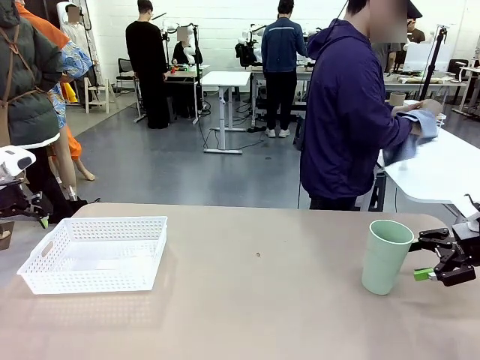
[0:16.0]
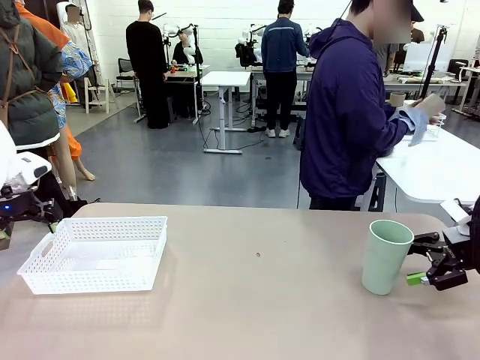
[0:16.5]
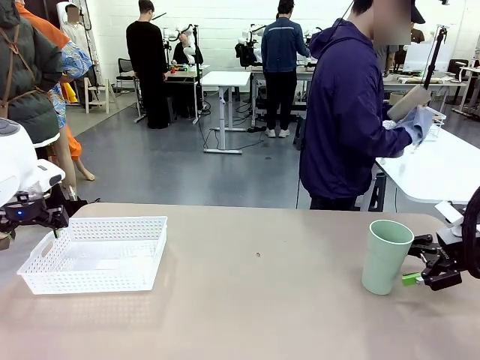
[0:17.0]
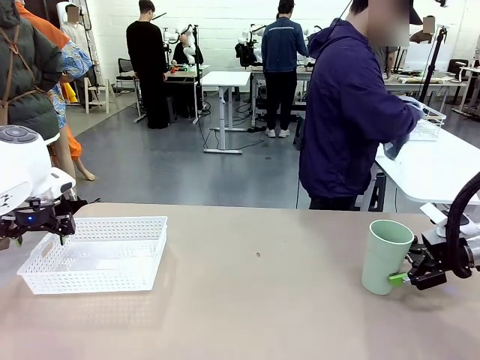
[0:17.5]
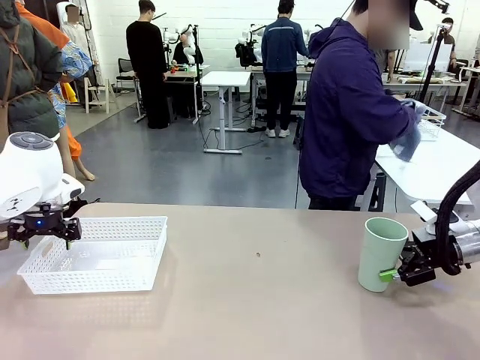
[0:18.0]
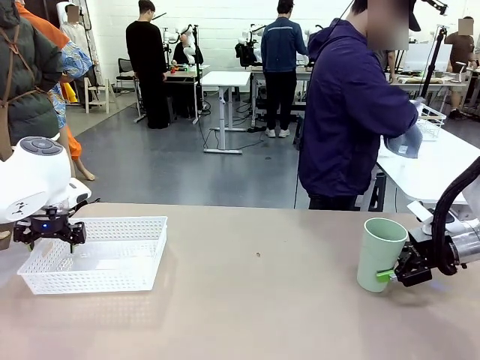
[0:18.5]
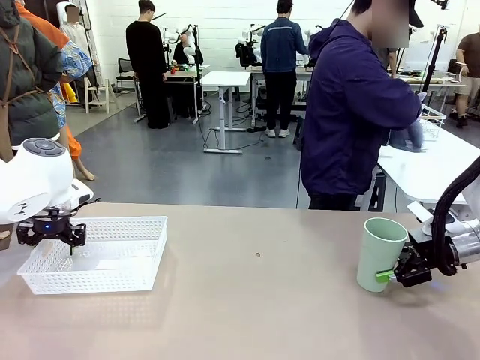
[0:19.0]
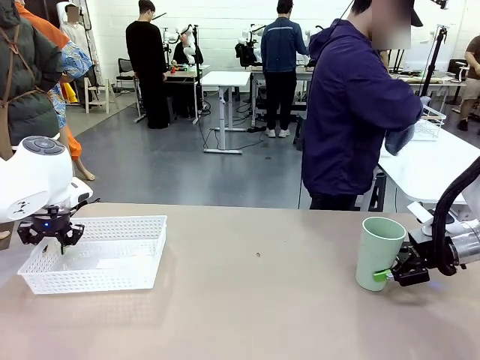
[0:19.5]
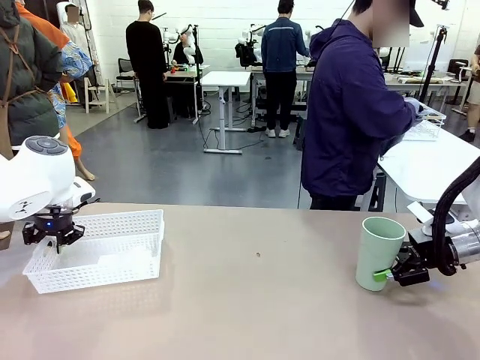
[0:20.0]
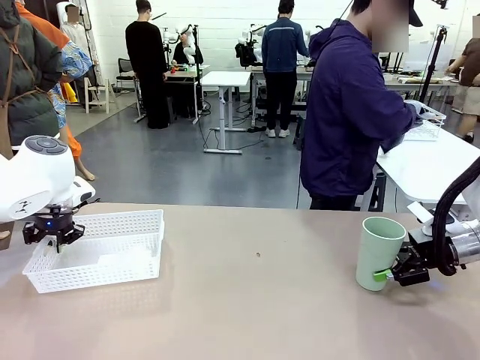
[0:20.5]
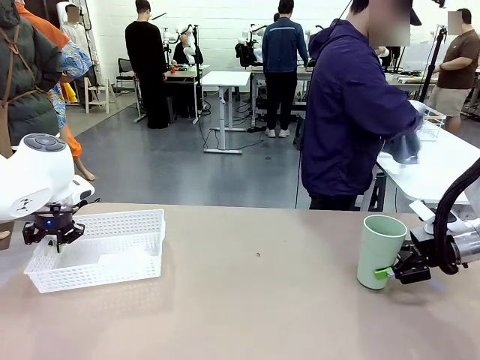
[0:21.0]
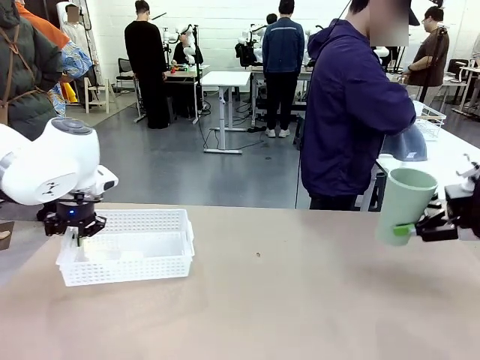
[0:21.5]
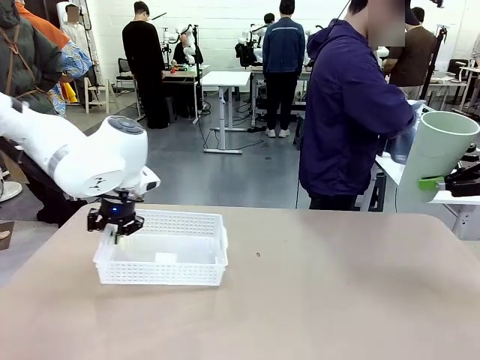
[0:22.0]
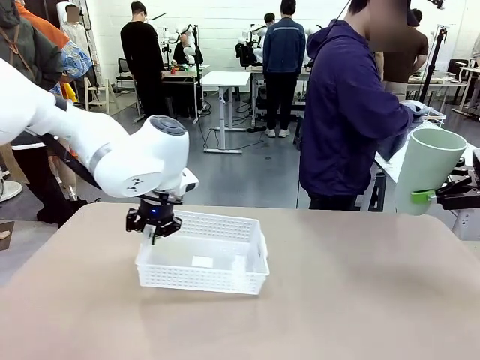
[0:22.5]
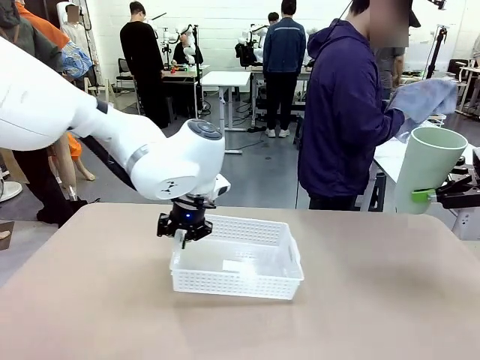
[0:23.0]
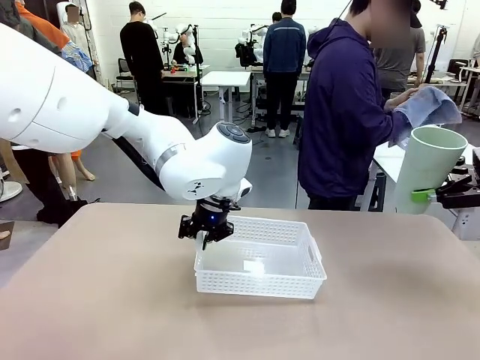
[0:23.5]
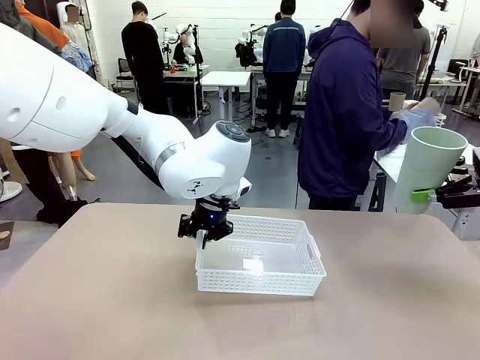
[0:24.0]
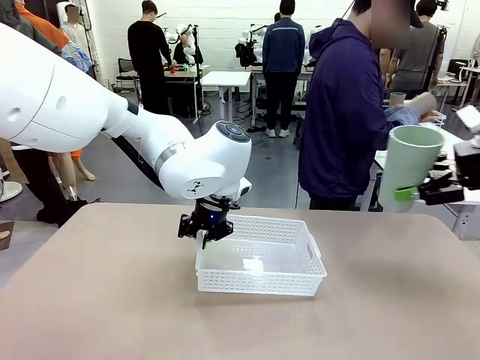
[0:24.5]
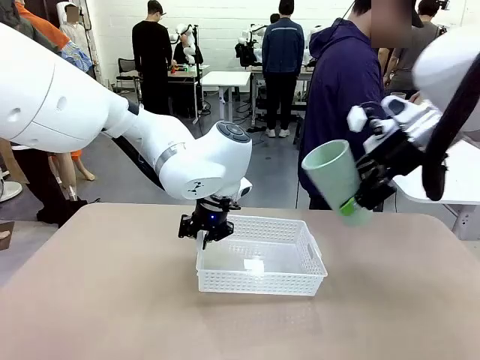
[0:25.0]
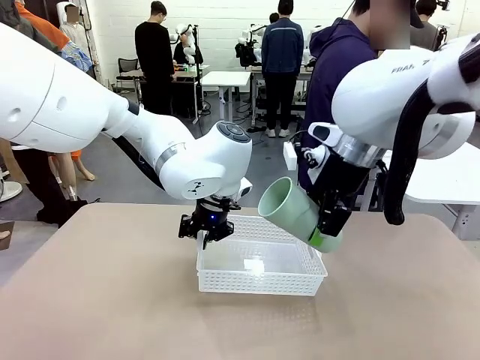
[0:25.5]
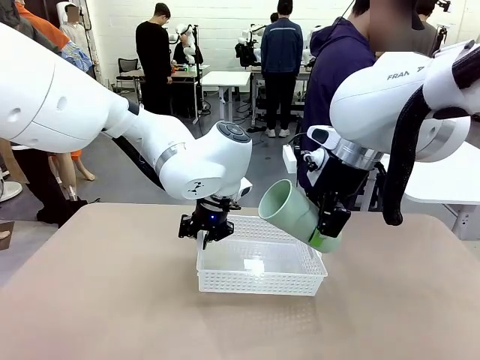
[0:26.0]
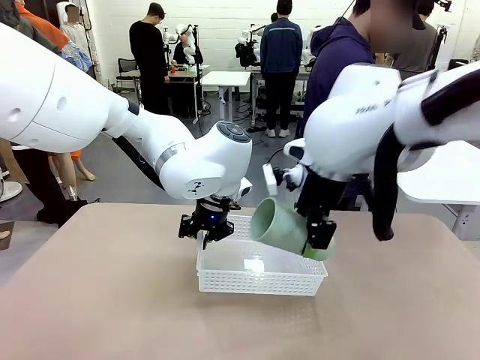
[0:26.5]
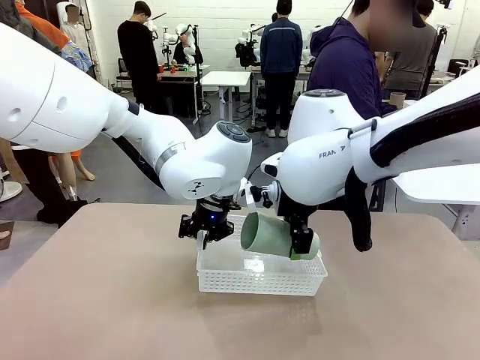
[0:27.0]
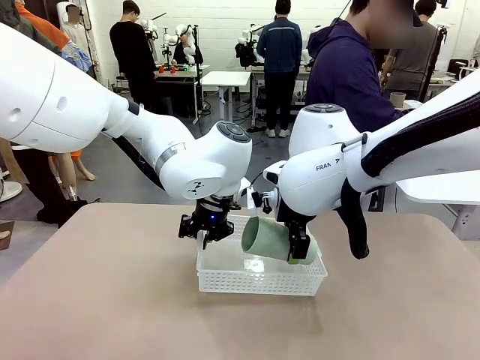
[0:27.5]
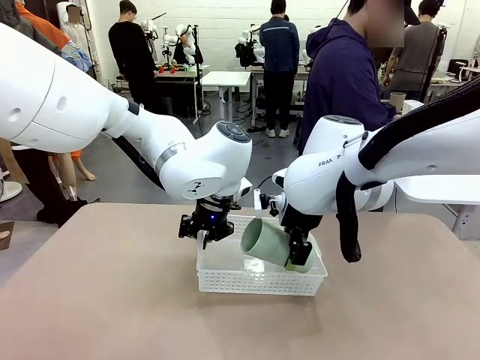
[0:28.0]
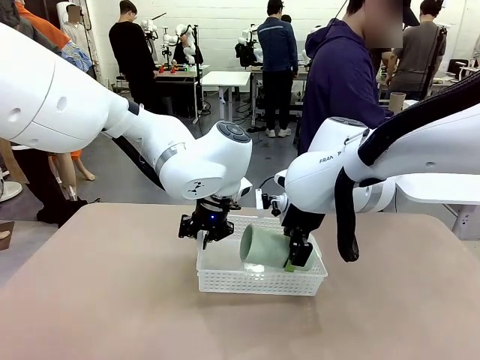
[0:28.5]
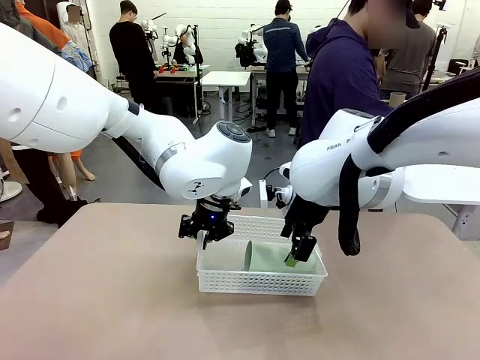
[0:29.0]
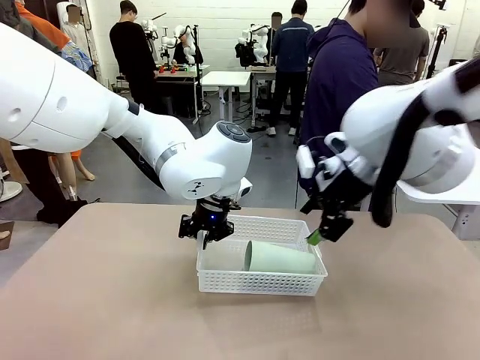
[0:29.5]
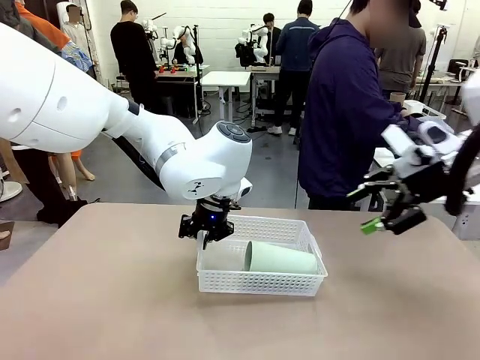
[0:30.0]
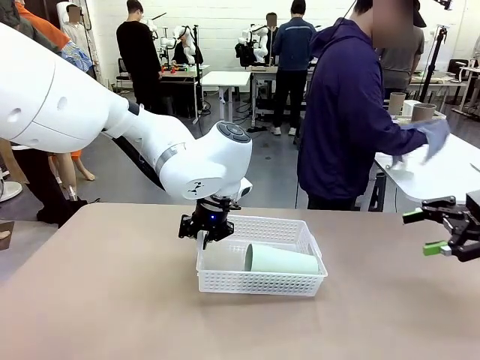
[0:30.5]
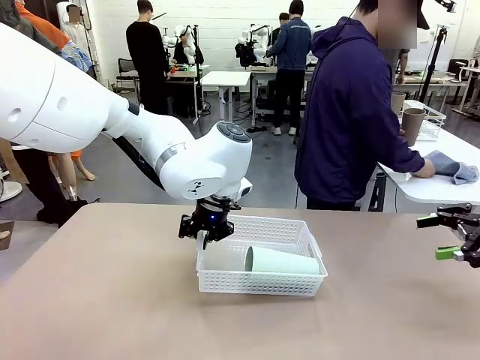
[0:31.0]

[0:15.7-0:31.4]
Task: Clean and organize the cups into the basket.
Robot: Pick up the Organizing basket and move it to the center of the table, then pick up the Reusable plastic cup from the right side of the table and place it inside the Organizing basket.

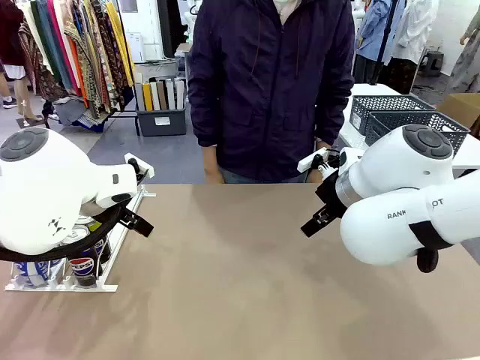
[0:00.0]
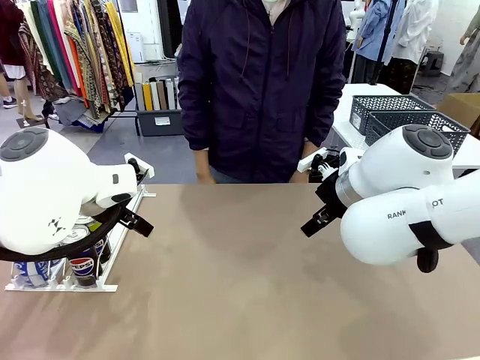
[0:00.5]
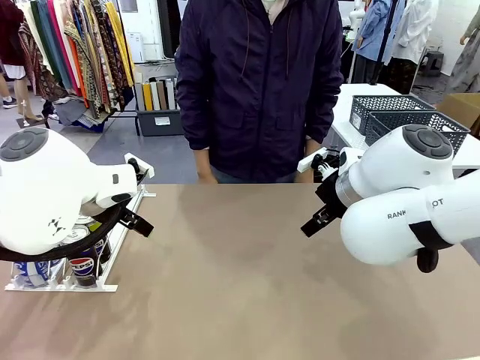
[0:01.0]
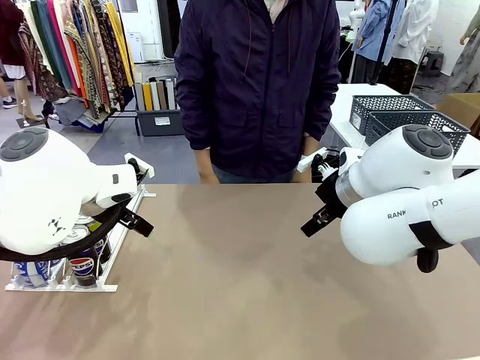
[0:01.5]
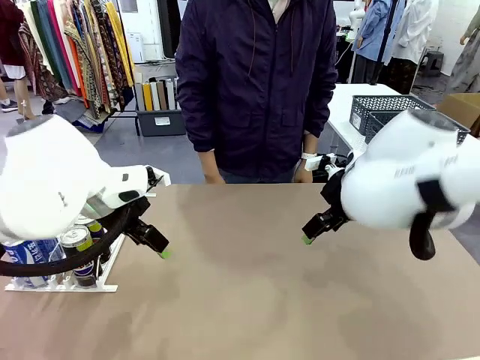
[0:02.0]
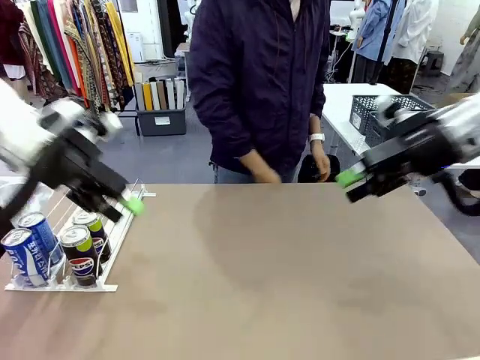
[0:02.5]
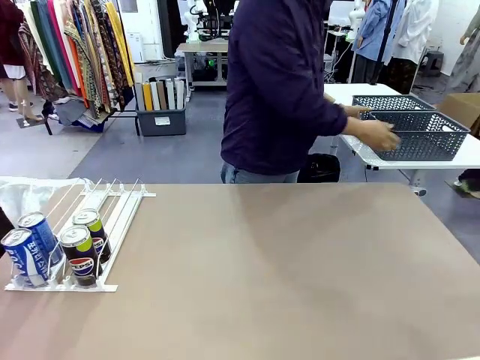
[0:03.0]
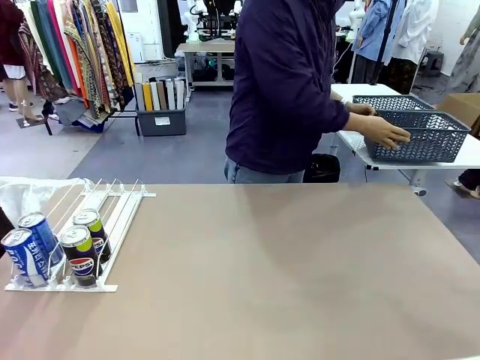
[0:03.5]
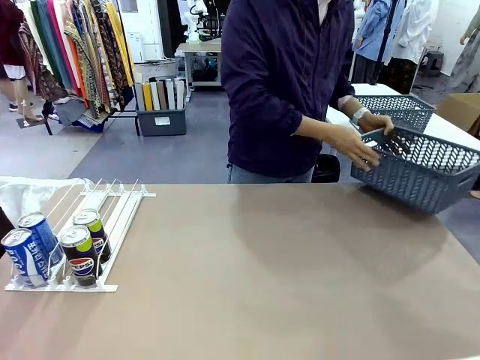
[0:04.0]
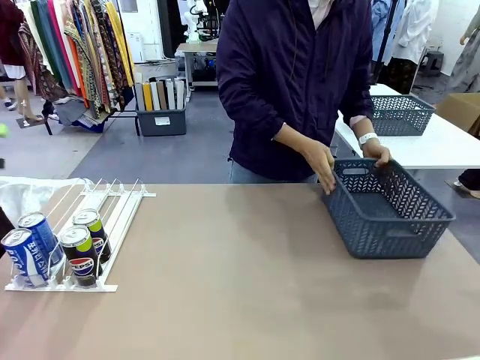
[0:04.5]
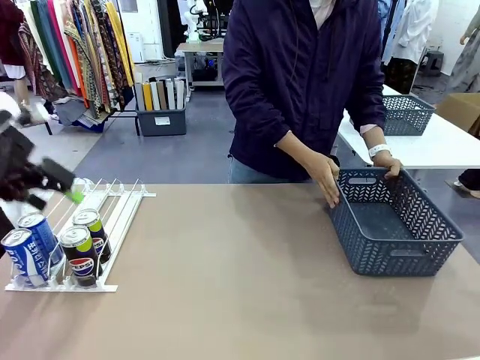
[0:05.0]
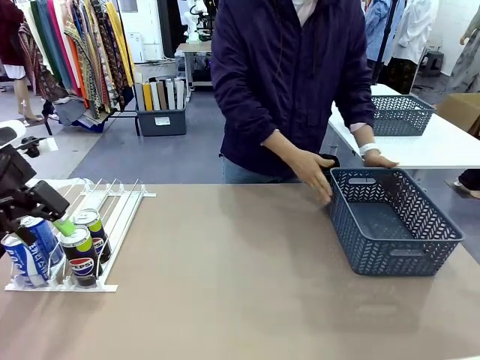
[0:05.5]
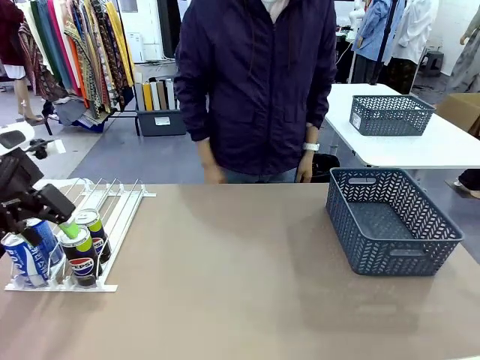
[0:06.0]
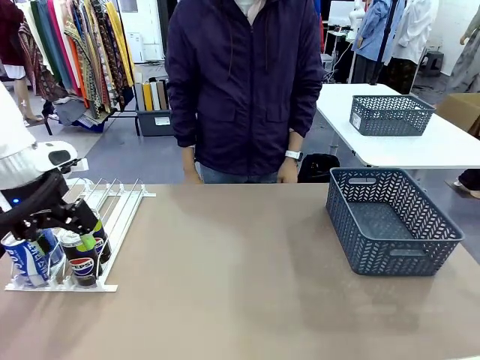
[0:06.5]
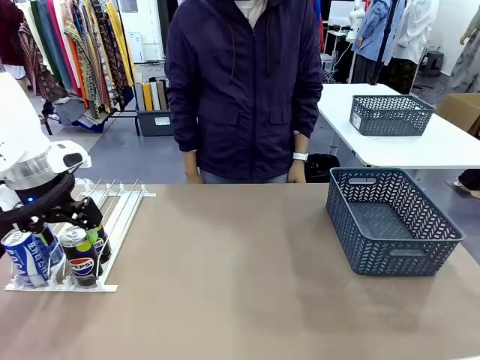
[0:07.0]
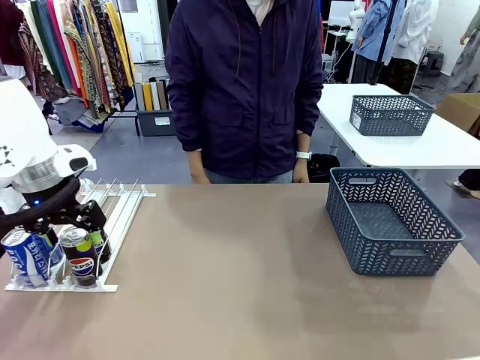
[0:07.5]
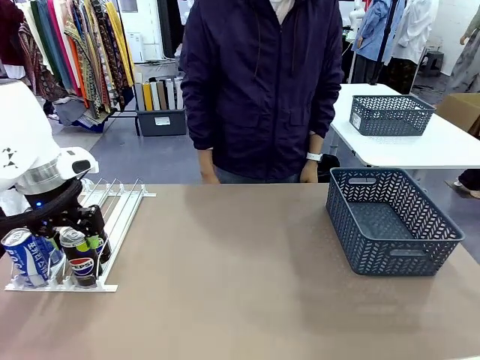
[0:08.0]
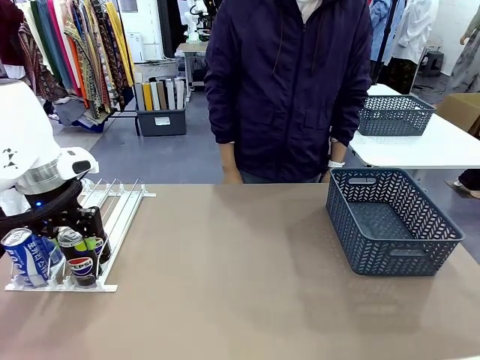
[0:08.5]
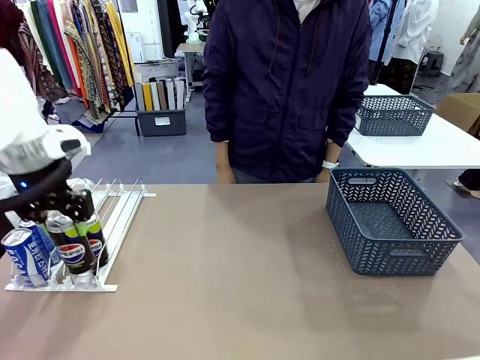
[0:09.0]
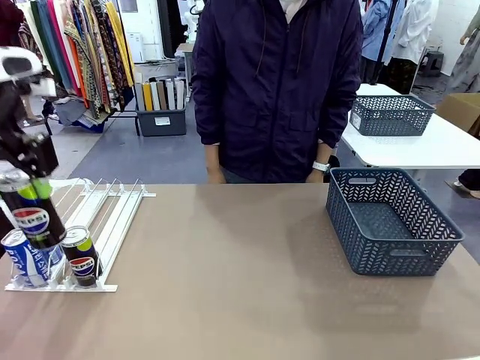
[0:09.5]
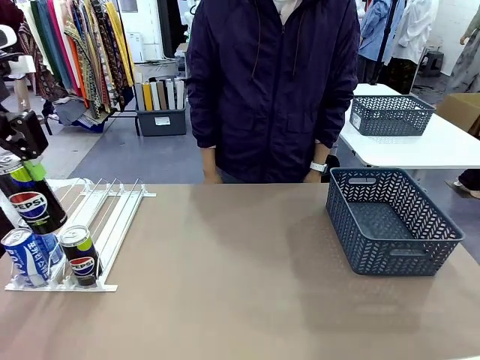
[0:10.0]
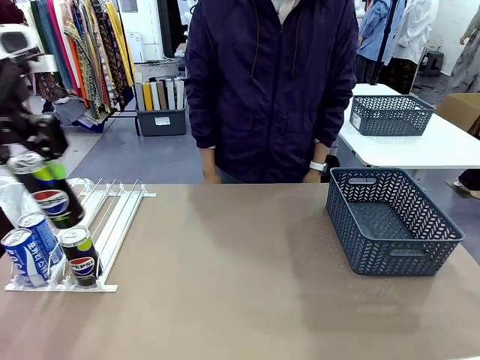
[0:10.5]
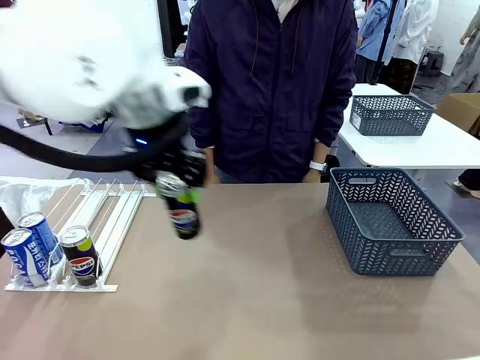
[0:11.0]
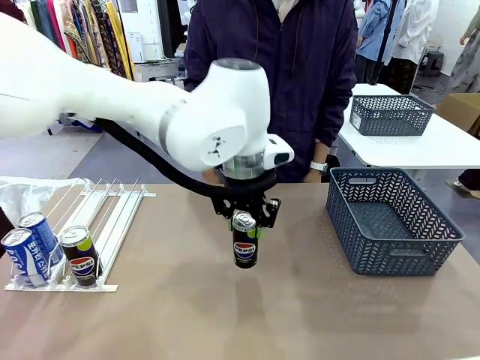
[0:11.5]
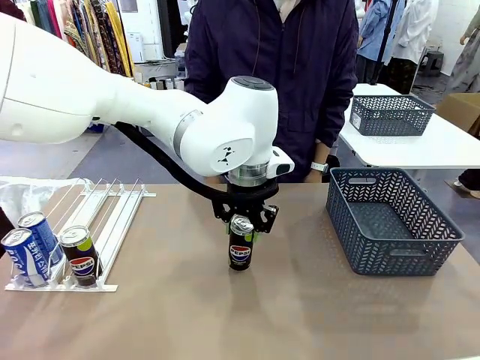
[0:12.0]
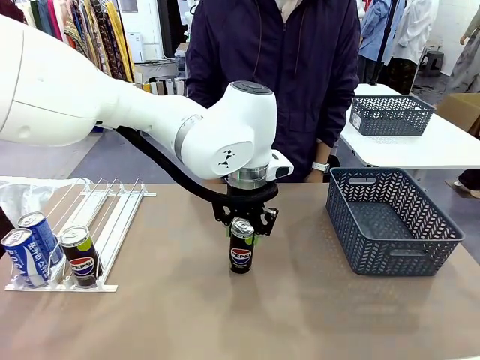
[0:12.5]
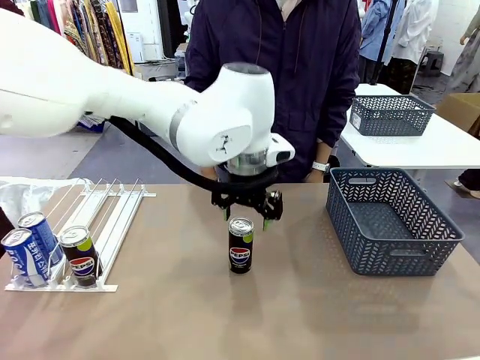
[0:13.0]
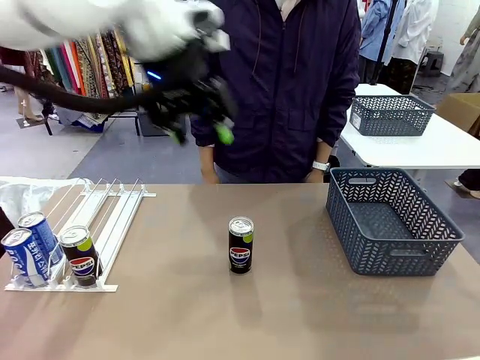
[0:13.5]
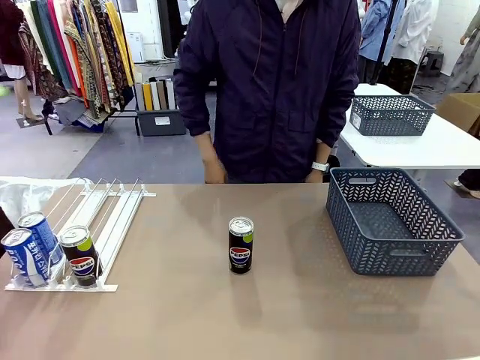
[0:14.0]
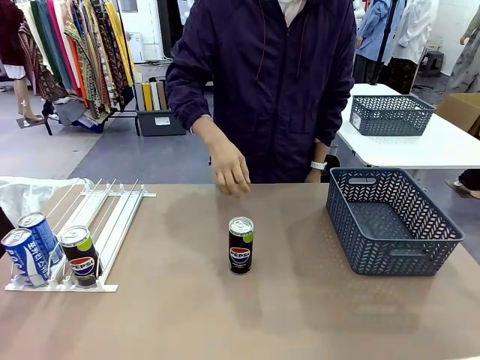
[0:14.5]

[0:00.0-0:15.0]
Task: Retrieve and store the cans from the dispenser.
Robot: Pick up one can from the Automatic Can Dispenser and place it in the middle of the table.
Person: Pick up the basket and place it on the left side of the robot table.
